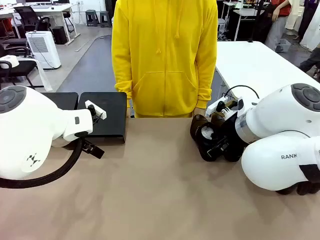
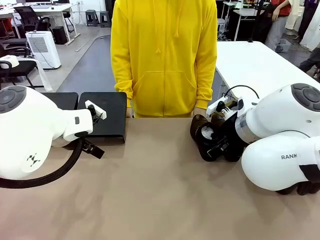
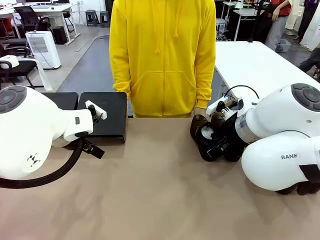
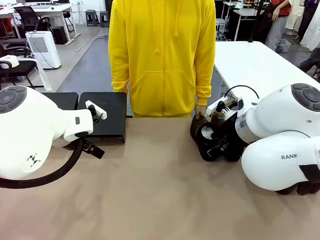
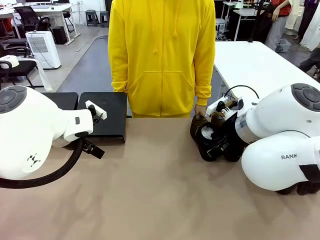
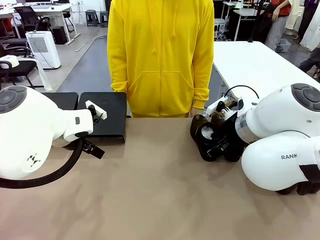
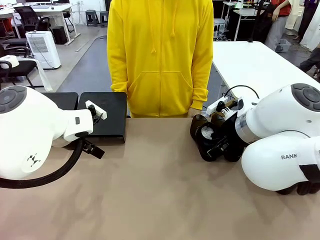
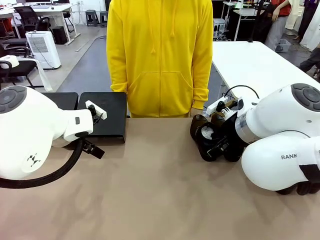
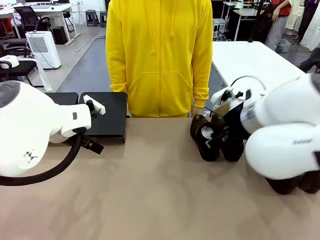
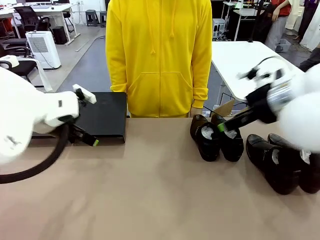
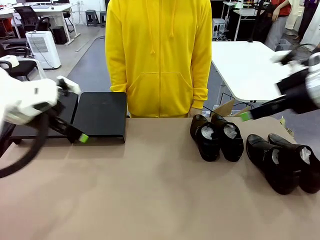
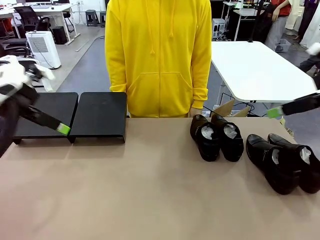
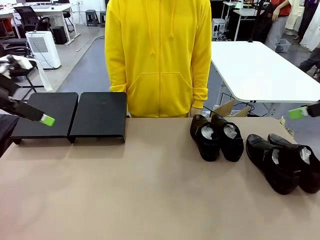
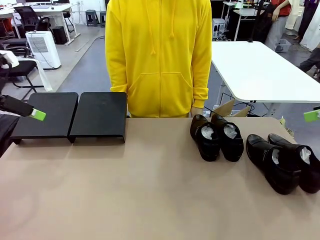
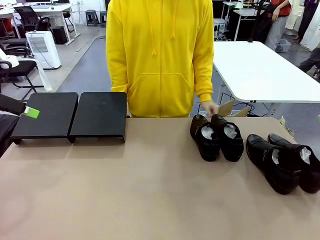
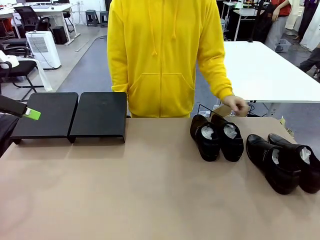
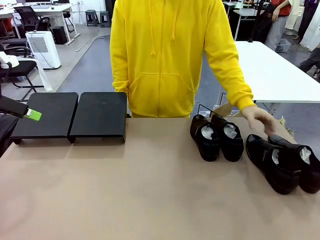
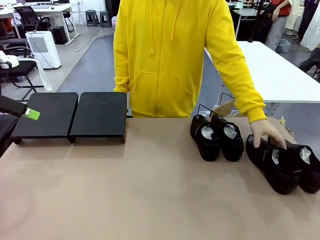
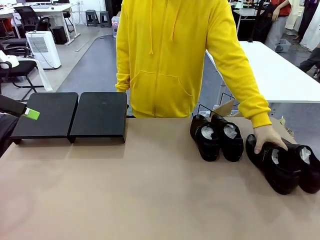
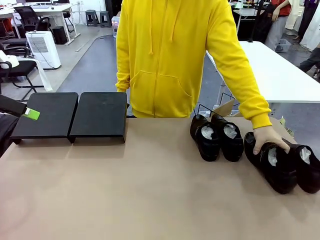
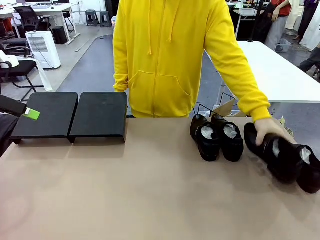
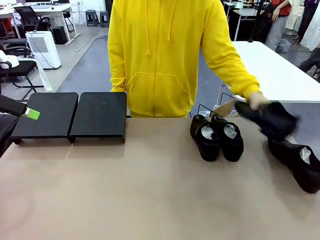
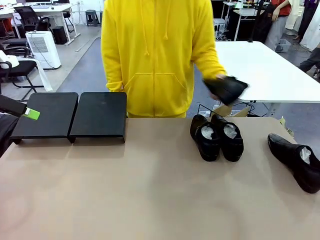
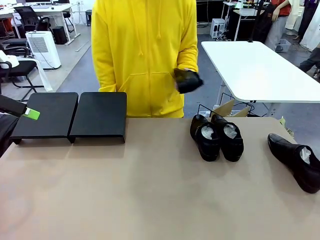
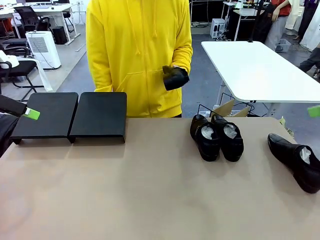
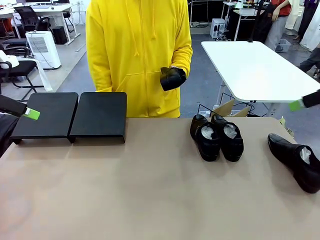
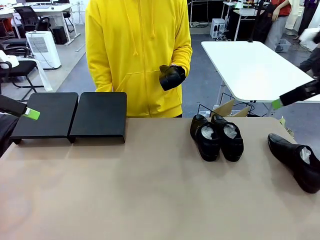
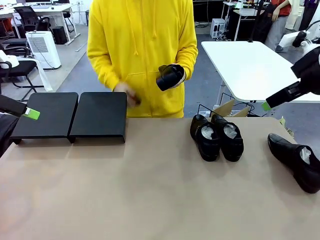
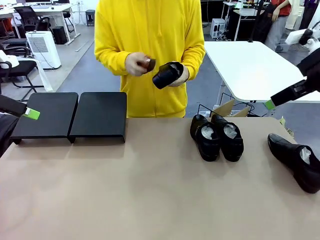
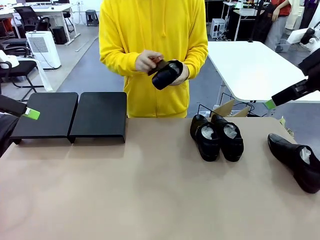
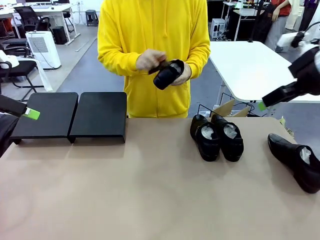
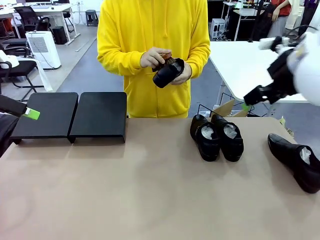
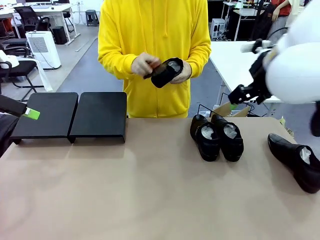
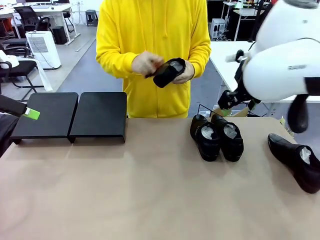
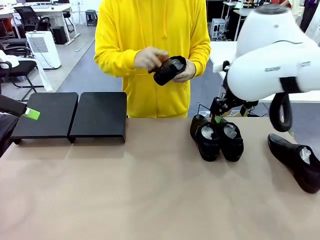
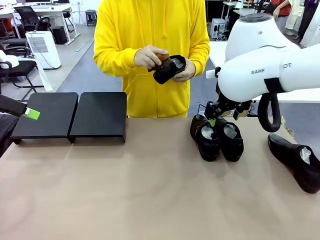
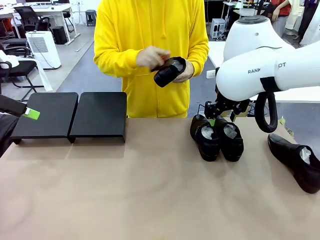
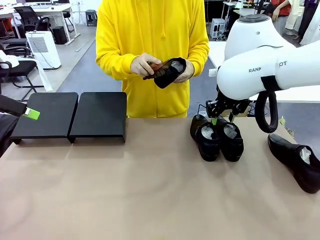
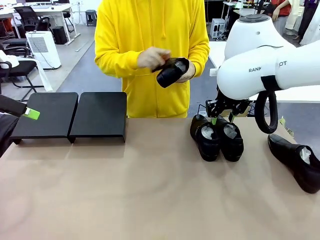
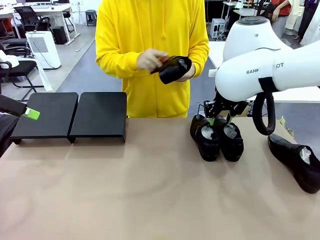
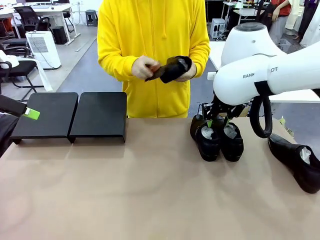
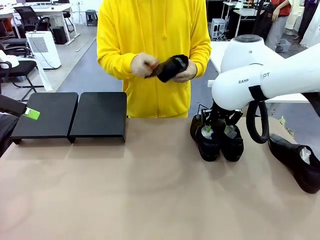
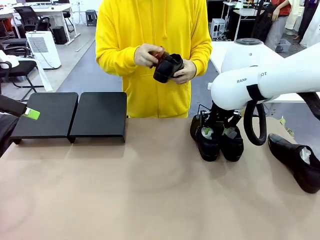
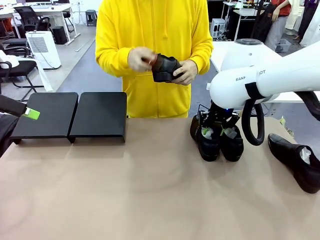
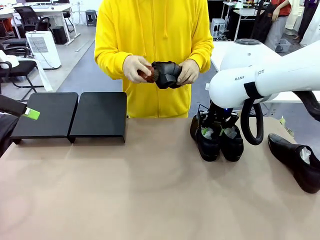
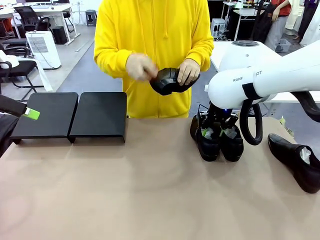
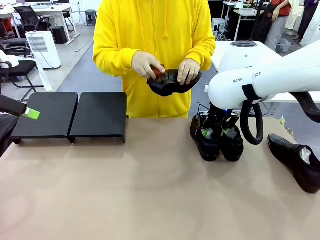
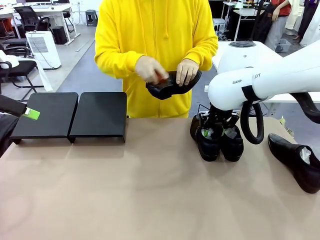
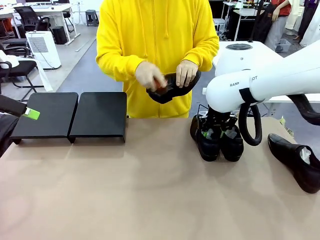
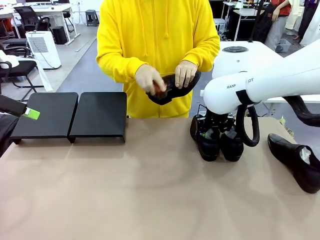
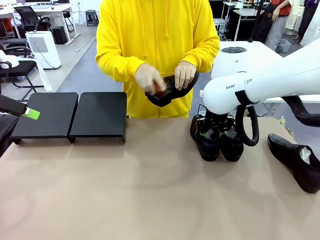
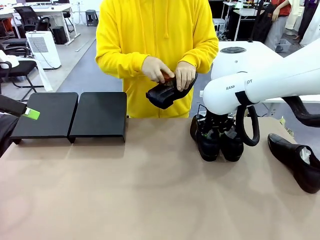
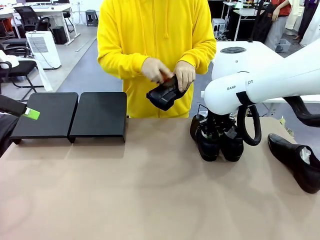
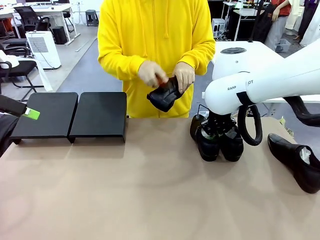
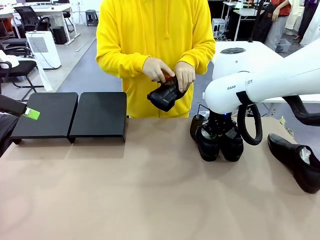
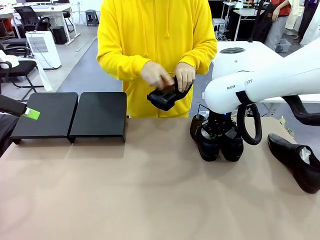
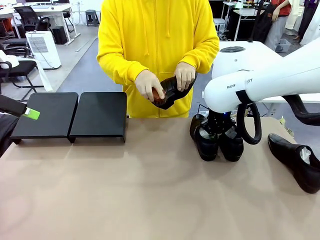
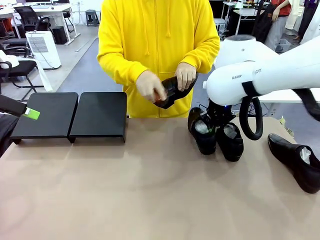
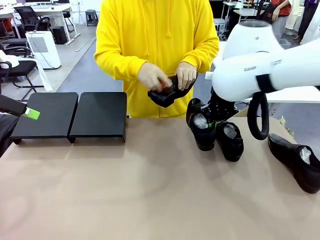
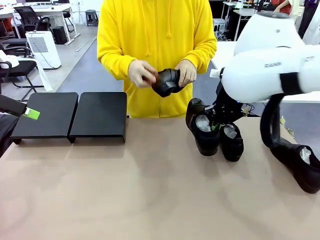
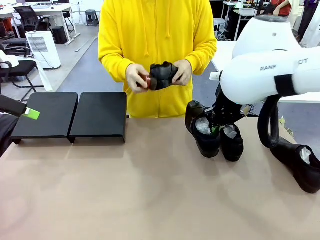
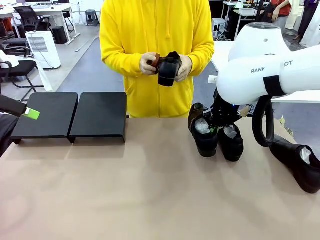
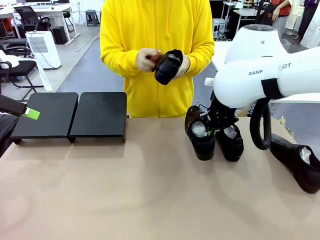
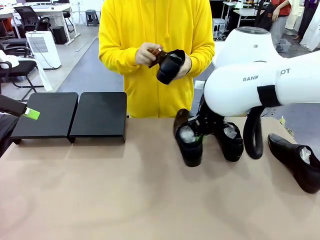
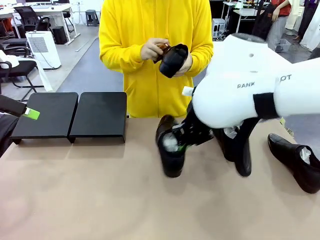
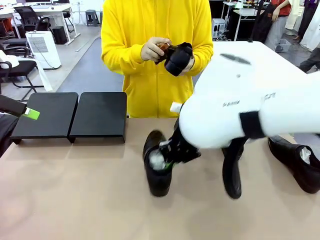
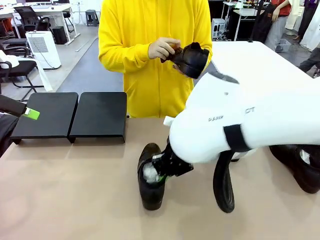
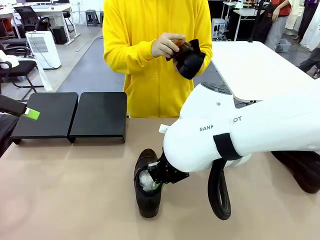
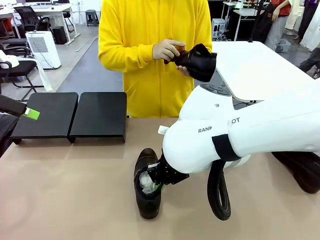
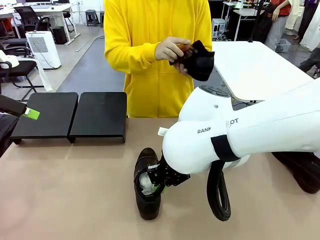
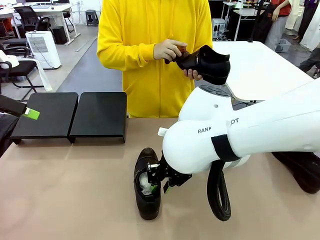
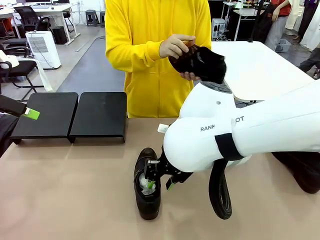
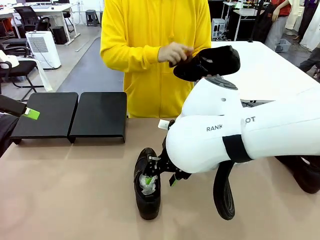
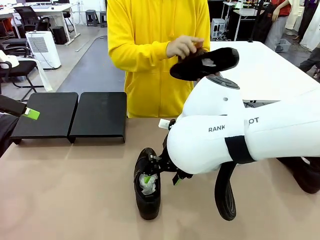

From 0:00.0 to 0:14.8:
Task: Organize the shoes by placing them on the stand.
Robot: Pick up one Shoe and place it in the middle of the table.
Person: Pick one Shoe on Robot's table. Clean the Shoe with the Shoe Brush.

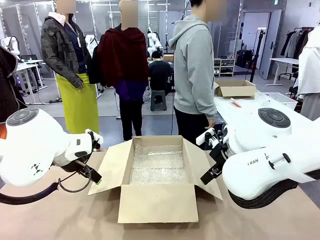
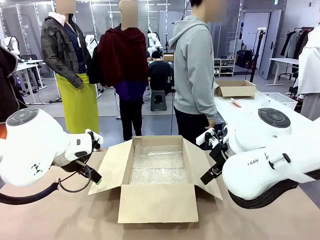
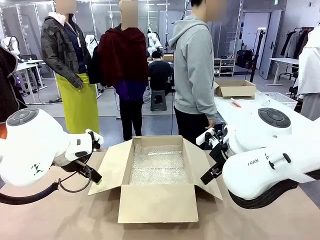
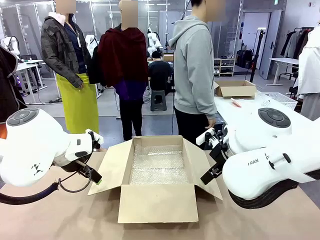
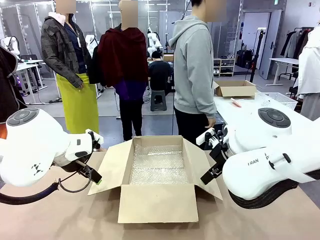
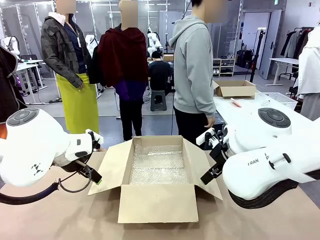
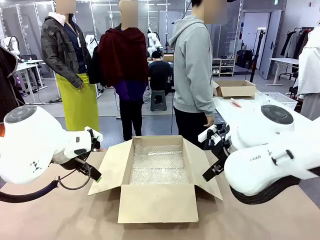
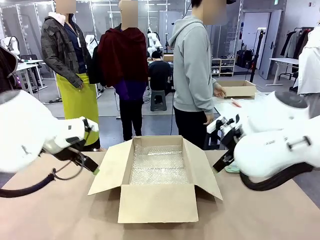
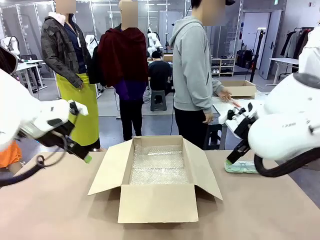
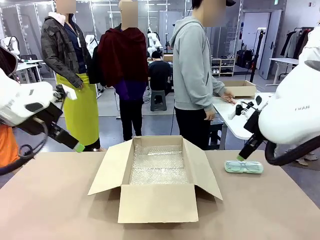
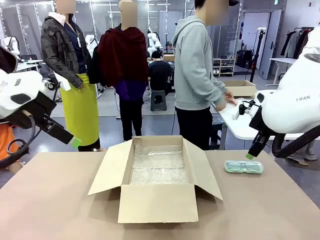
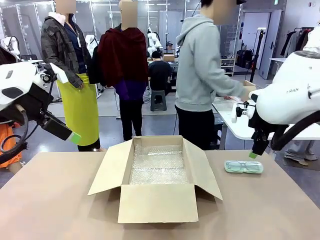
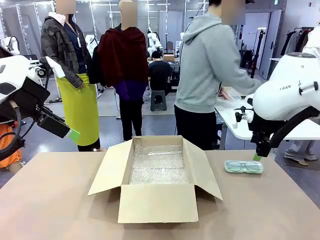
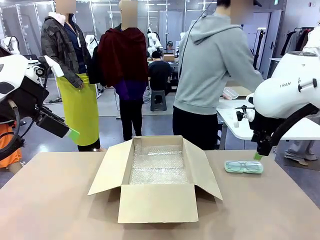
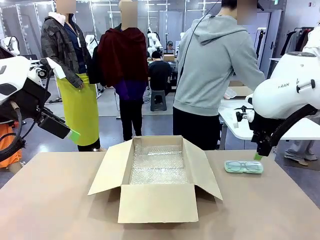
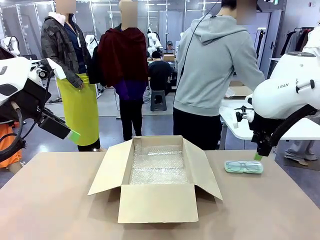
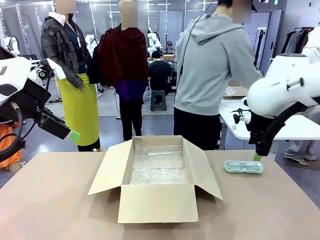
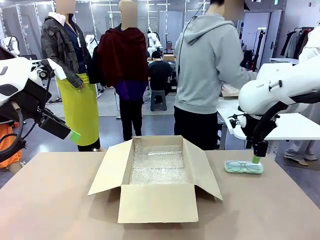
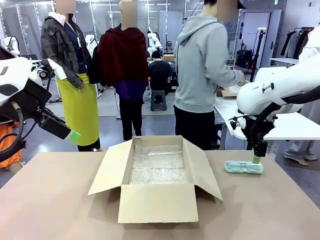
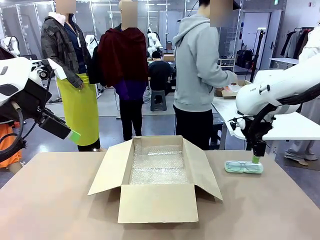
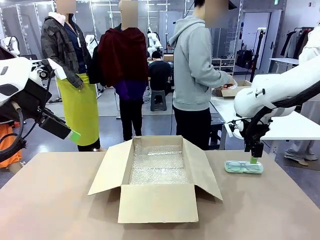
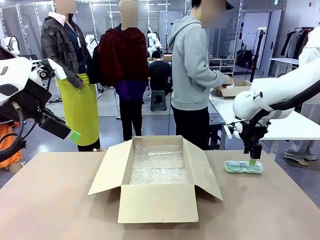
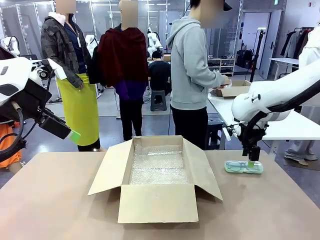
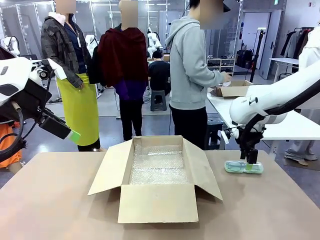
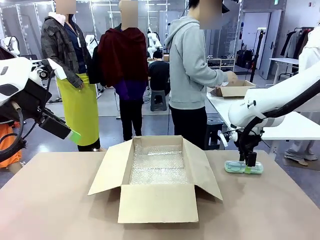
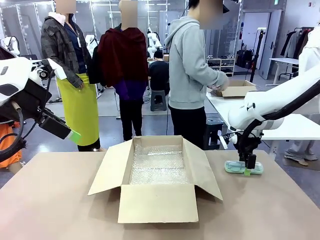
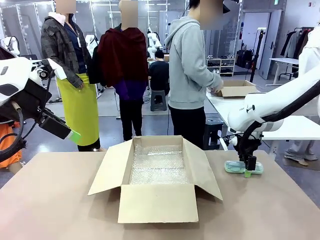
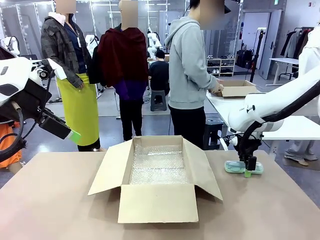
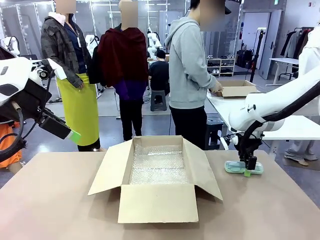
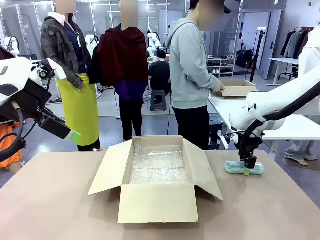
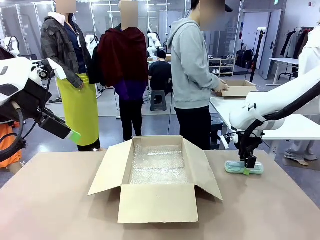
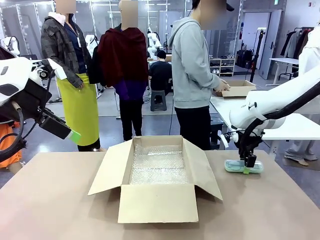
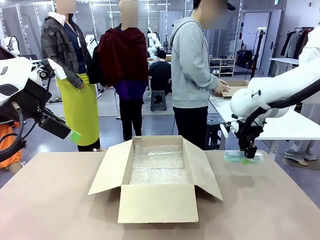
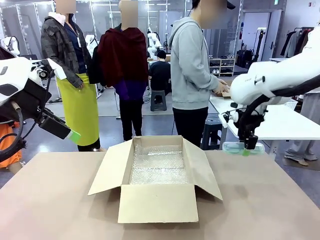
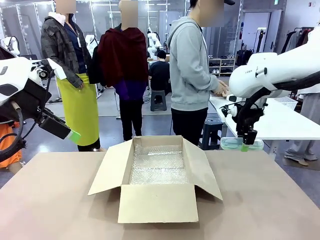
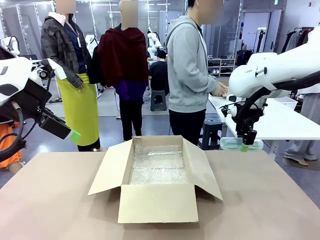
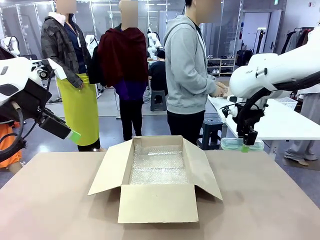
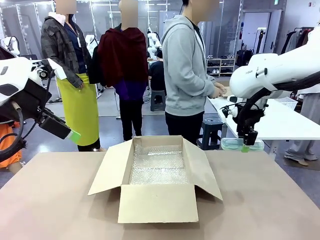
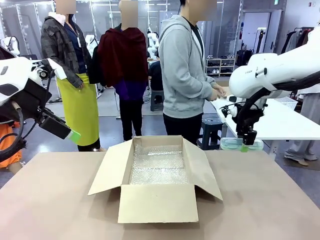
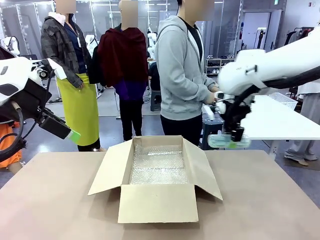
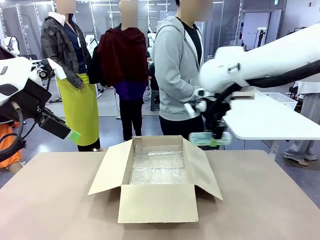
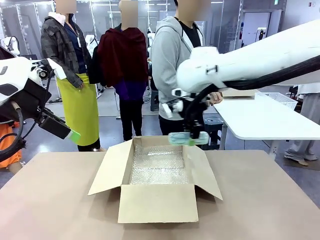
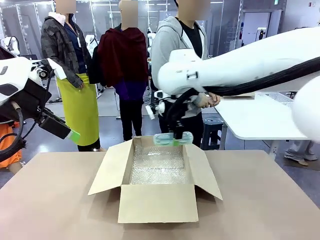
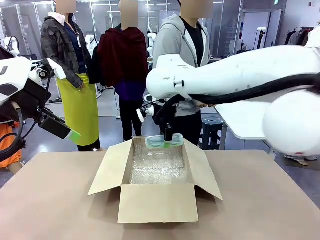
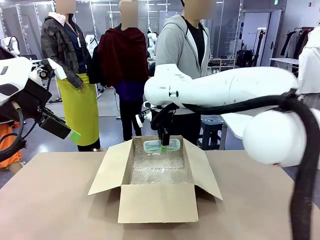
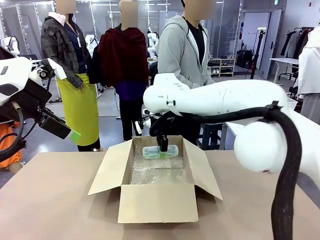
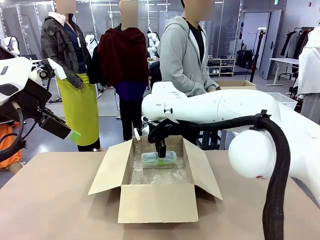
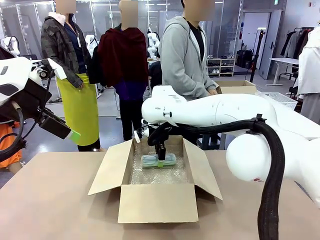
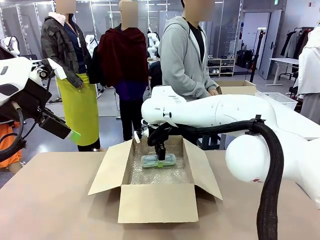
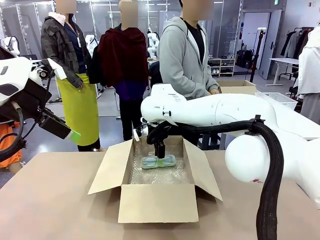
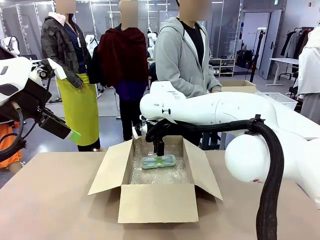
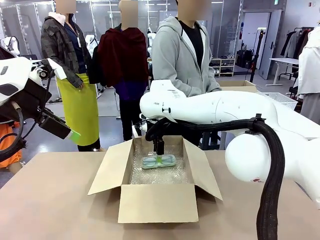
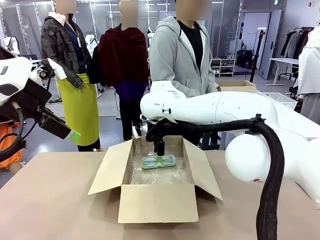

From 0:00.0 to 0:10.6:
Task: Pack the glasses set securely to prepare it for shipping.
Robot: Place the Glasses case inside the Package Box.
Person: Place the Glasses inside the Glasses case.
